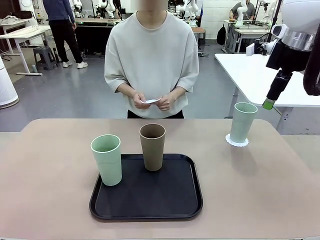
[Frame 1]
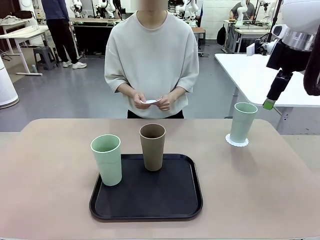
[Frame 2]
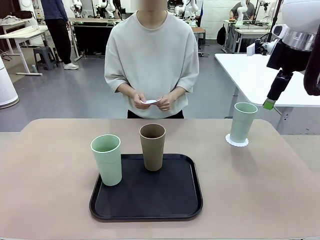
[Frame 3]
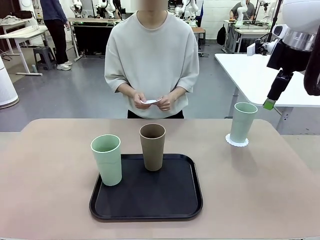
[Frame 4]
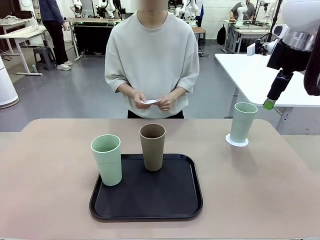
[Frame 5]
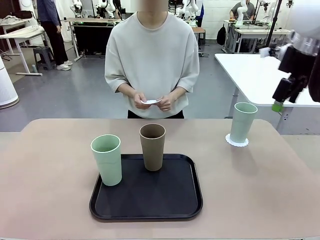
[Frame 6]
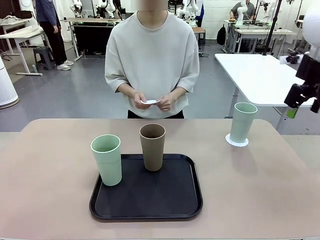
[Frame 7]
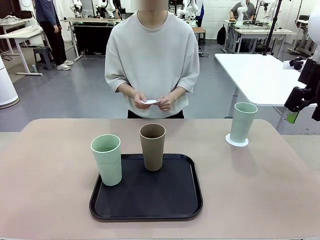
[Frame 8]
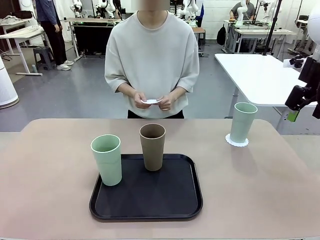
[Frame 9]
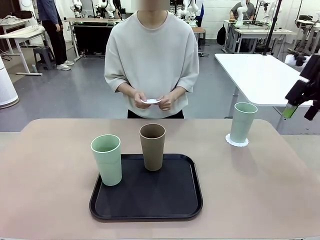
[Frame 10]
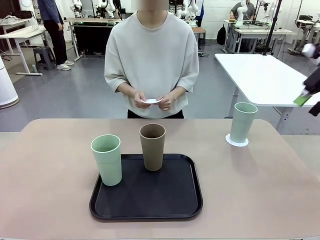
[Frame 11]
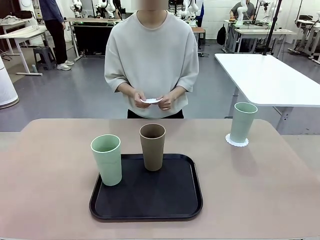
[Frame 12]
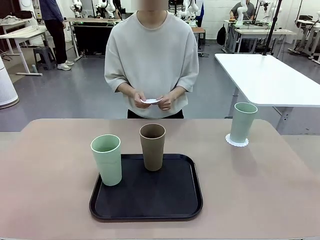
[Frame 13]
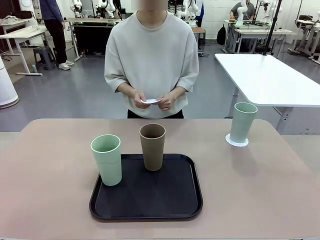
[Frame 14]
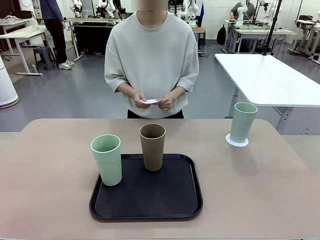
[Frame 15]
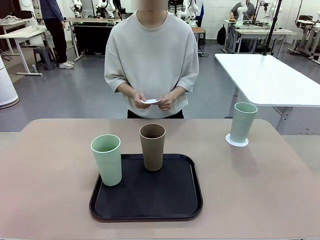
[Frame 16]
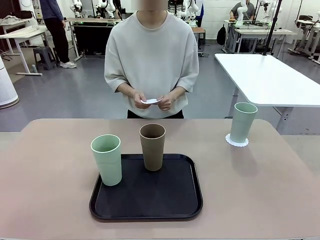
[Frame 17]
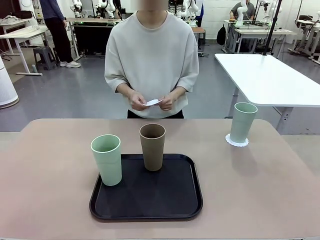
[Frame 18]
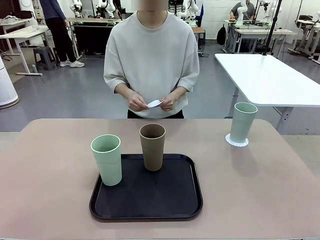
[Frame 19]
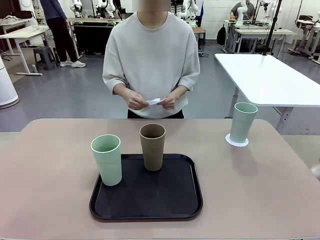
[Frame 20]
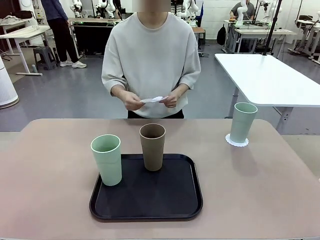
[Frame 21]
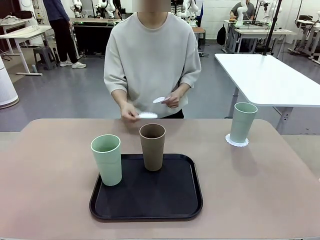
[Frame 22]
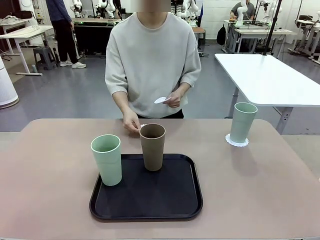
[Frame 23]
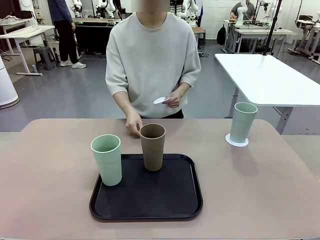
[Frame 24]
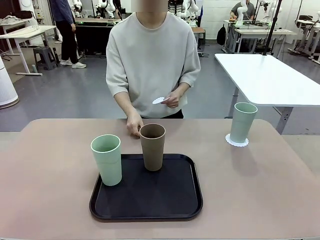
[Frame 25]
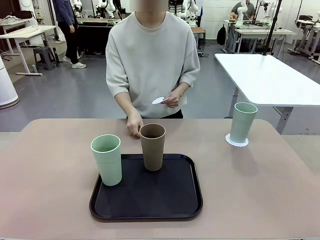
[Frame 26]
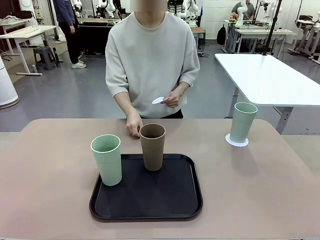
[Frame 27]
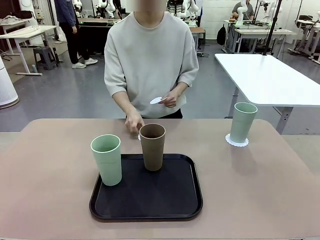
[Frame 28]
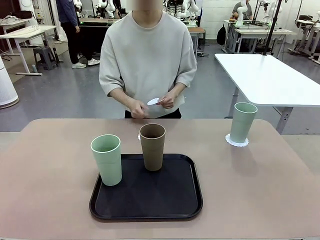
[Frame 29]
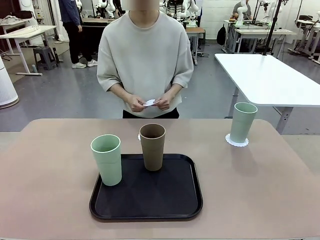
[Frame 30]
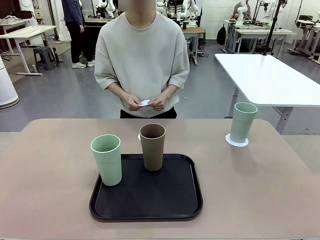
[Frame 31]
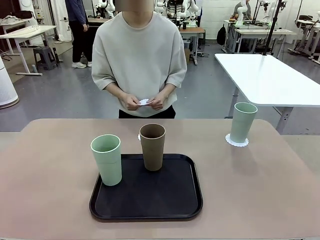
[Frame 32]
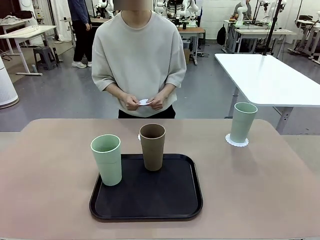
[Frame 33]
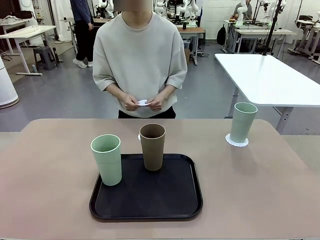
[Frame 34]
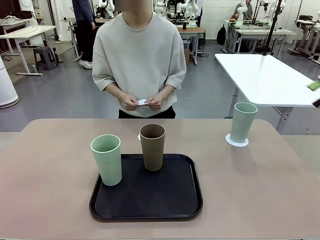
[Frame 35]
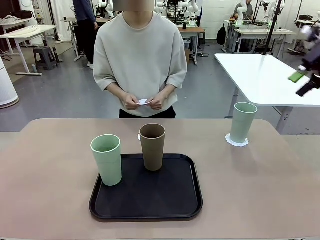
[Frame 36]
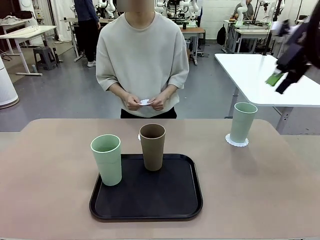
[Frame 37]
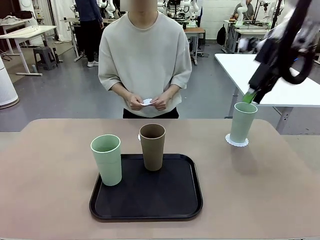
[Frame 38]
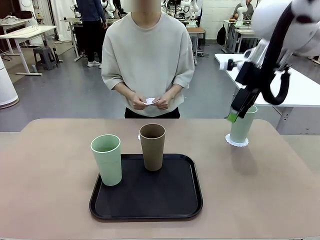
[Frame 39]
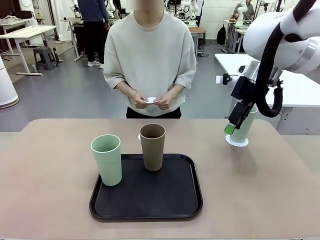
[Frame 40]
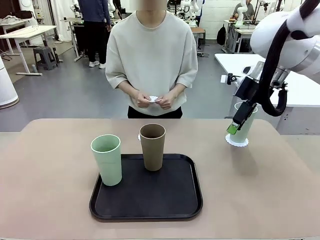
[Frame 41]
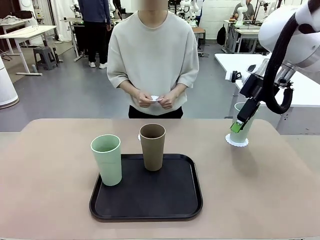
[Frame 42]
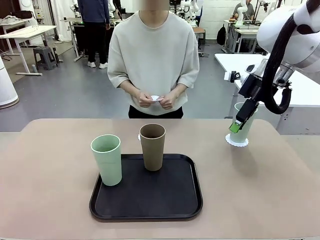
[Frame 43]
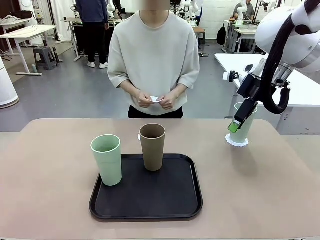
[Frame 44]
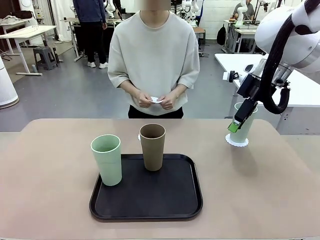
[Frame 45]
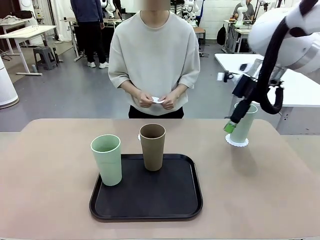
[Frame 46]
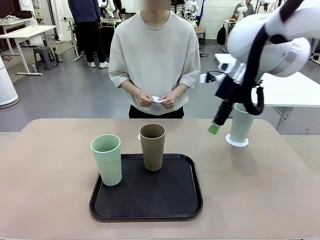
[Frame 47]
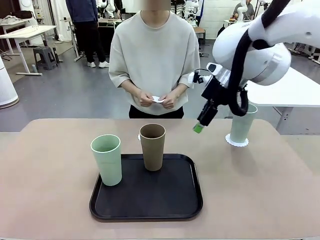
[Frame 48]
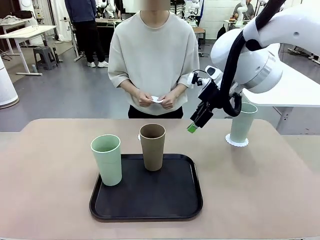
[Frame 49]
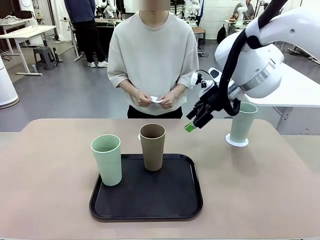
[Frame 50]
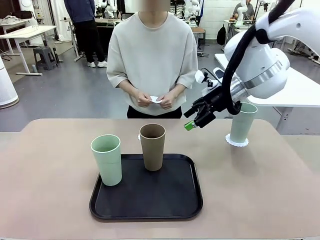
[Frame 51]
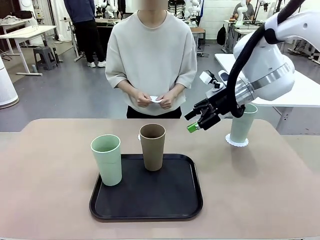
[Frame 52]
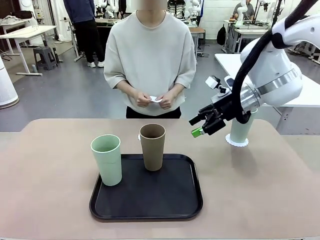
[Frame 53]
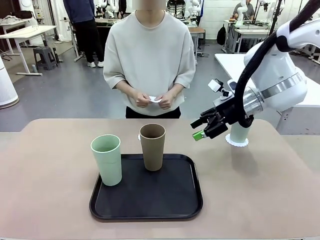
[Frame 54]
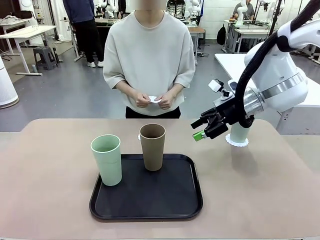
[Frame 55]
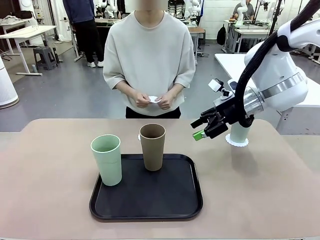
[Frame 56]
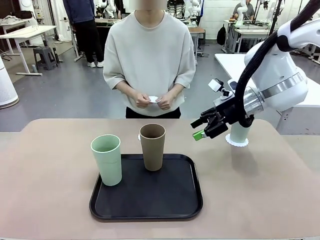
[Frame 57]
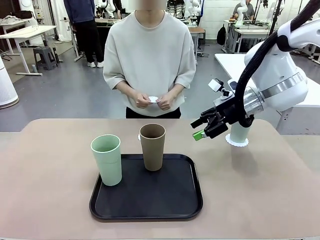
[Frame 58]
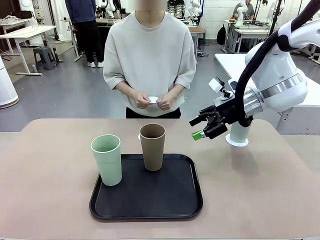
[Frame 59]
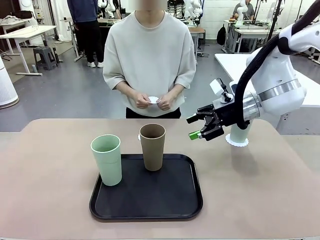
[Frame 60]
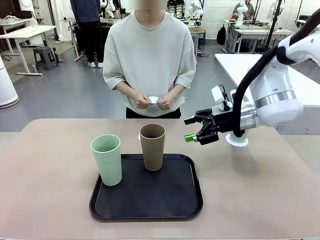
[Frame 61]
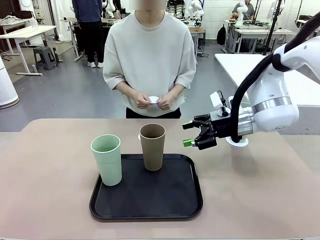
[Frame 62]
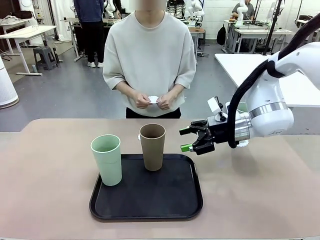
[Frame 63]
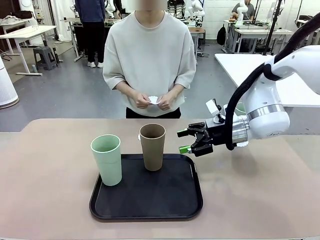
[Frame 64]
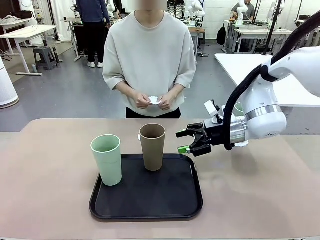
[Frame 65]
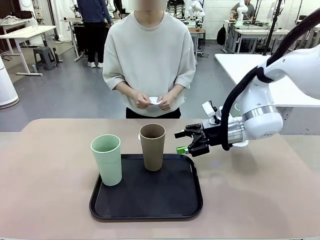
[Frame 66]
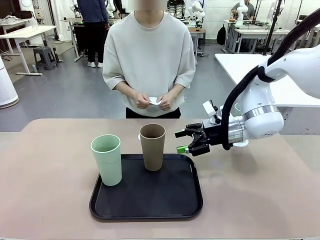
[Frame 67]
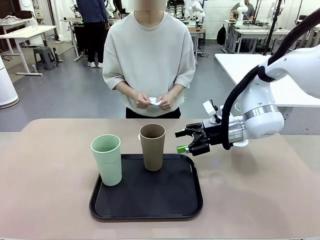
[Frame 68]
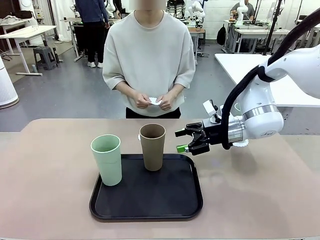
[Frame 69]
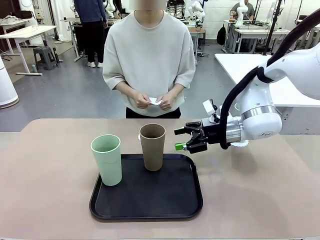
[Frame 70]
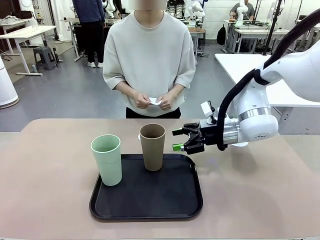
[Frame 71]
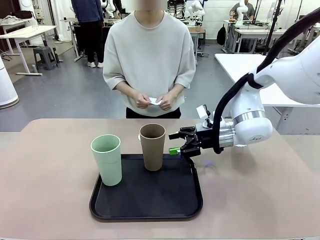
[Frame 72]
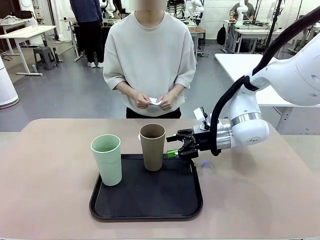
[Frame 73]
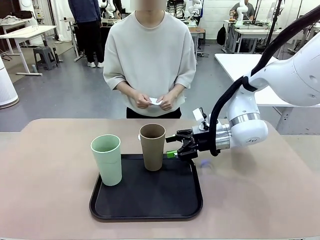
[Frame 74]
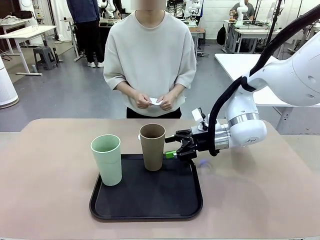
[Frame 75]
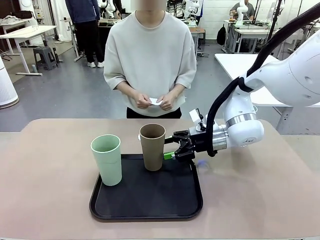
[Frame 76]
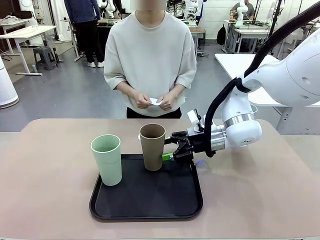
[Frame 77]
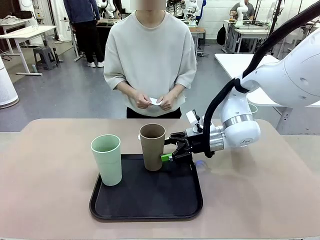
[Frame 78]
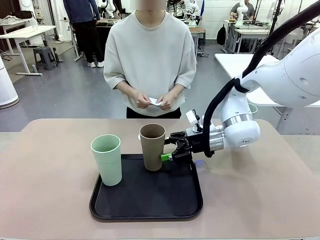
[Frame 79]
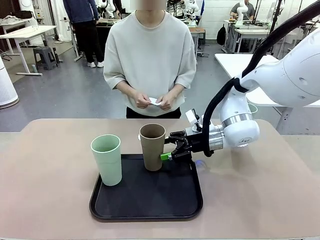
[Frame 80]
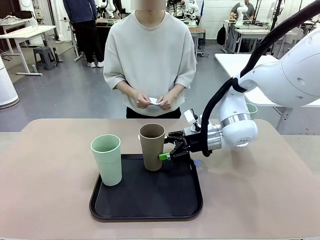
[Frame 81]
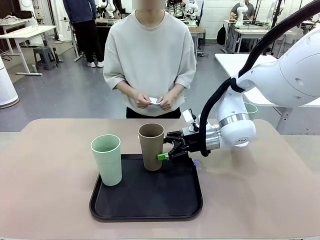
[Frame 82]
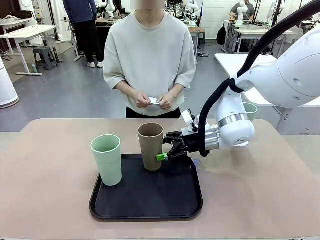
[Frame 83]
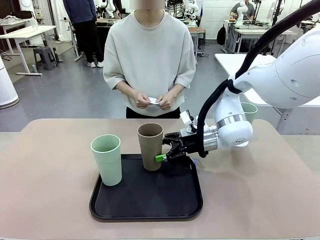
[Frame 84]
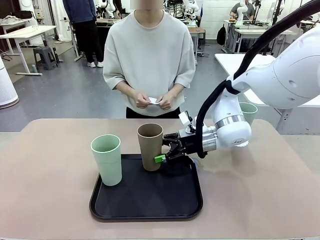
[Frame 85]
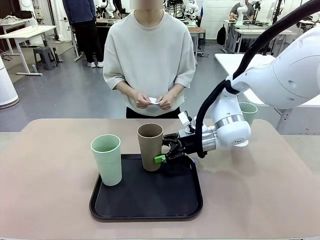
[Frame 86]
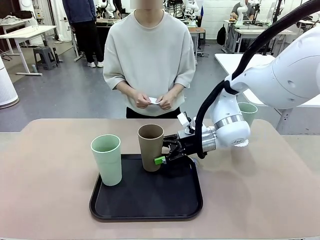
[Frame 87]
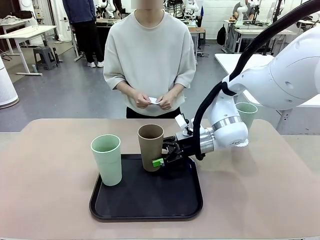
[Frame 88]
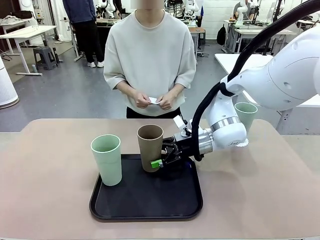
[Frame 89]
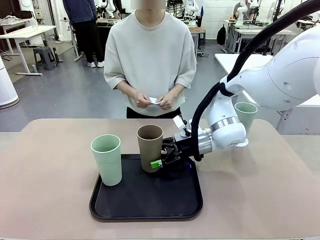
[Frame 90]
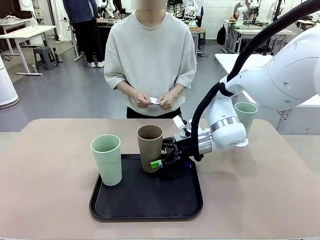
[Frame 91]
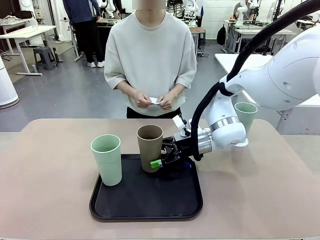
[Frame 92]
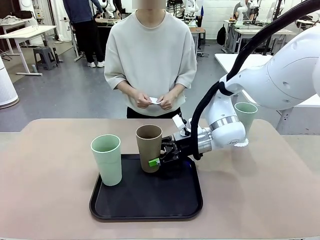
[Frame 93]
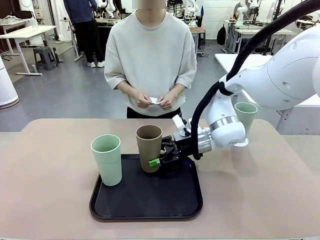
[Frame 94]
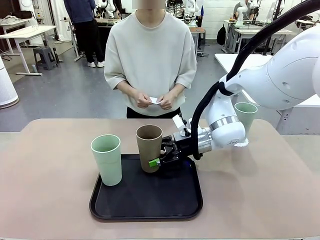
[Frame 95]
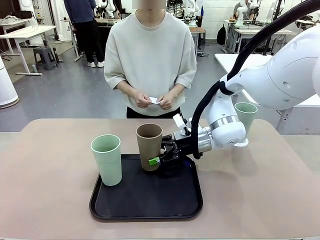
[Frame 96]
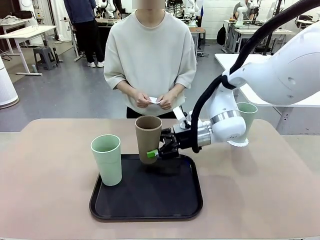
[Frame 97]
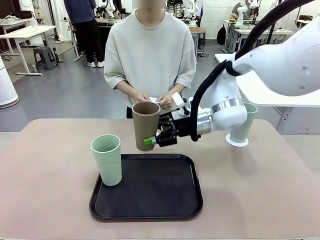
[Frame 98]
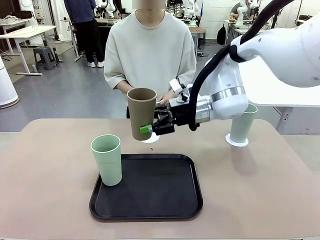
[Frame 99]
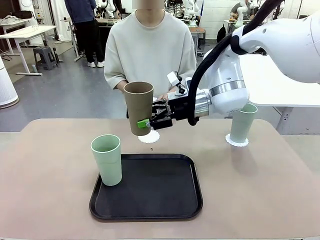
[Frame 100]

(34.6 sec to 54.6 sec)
Task: Place coasters on the table and set cups on them.
Robot: Take one Reusable plastic cup from the Flat Tray and place it on a coaster set by the human.

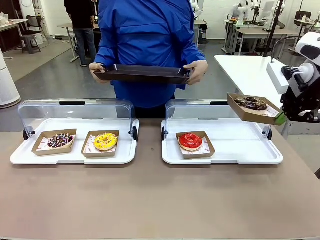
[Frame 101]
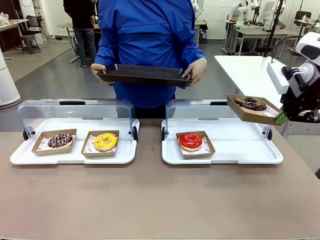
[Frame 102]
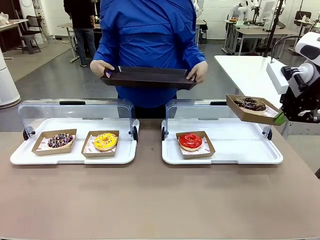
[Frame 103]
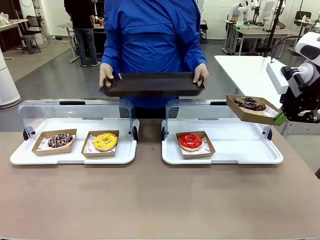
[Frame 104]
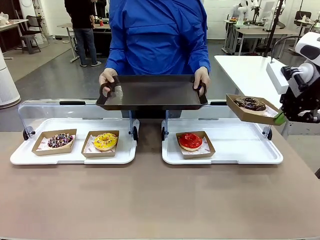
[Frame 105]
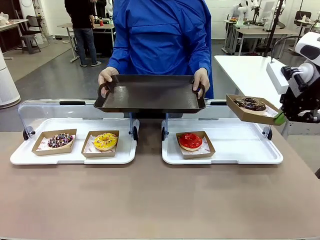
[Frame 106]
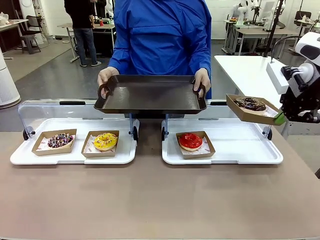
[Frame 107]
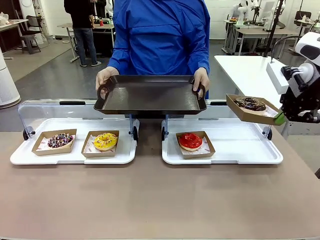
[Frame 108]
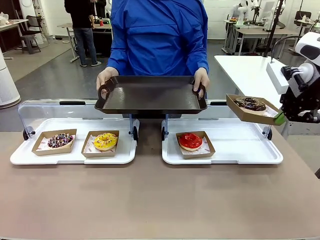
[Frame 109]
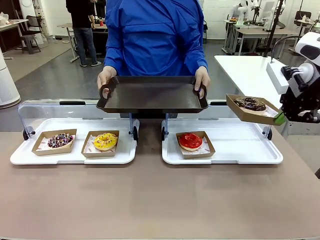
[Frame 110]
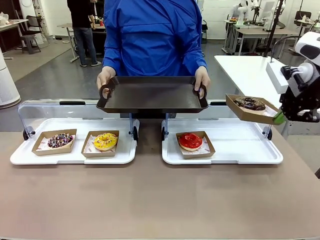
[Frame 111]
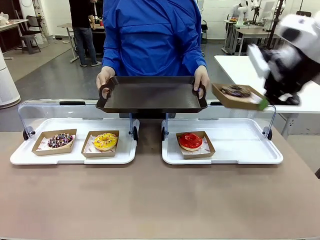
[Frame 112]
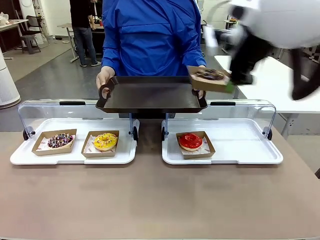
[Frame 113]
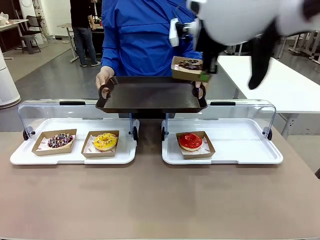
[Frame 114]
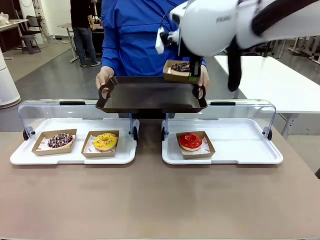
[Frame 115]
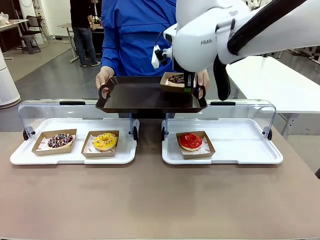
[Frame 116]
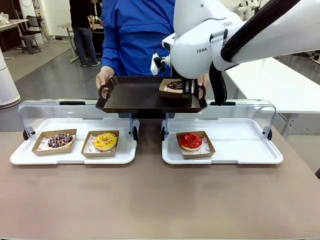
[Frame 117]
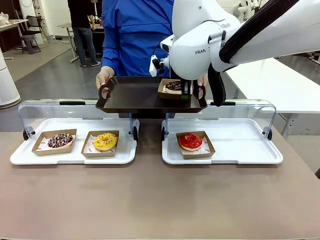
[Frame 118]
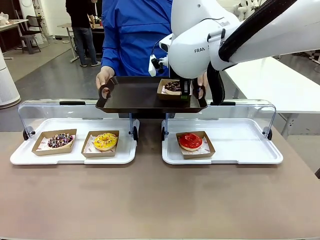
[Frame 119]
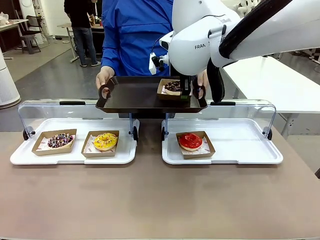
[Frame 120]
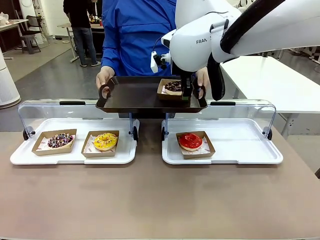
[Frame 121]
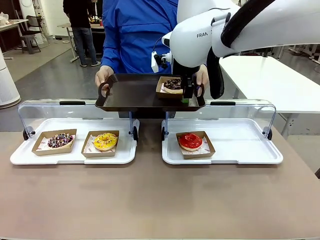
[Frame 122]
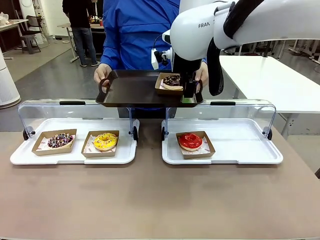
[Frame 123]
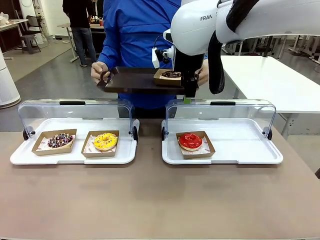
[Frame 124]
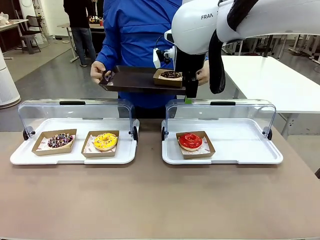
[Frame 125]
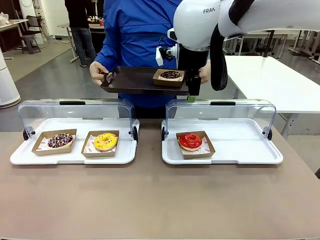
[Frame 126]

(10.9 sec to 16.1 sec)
Task: Provide the desired donut to the person.
Robot: Place the picked Paper togo box onto the Handle tray extended by the person.
